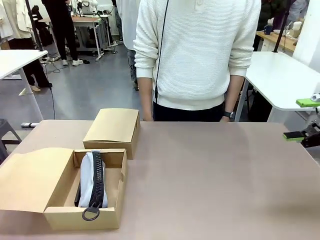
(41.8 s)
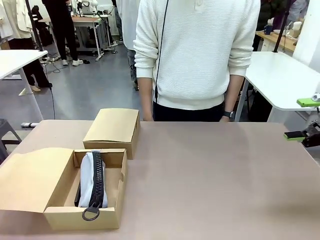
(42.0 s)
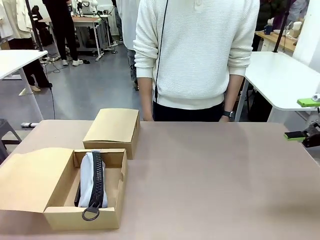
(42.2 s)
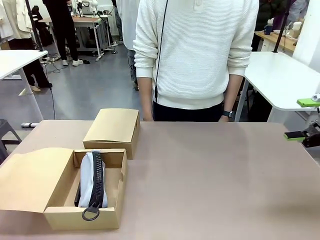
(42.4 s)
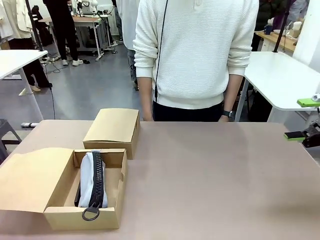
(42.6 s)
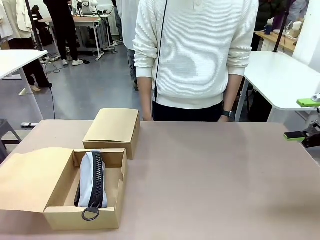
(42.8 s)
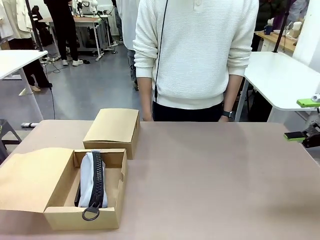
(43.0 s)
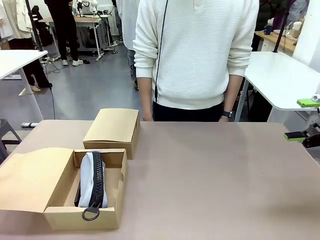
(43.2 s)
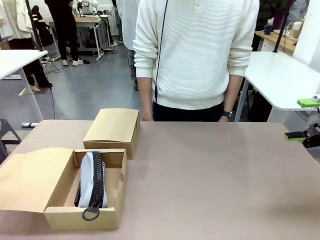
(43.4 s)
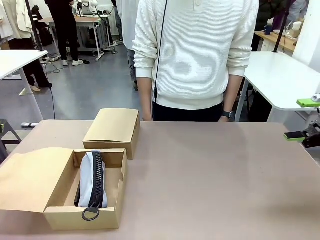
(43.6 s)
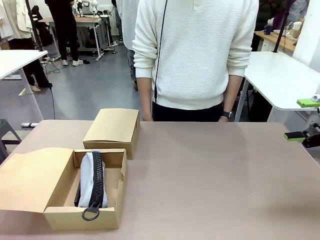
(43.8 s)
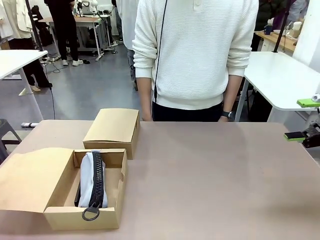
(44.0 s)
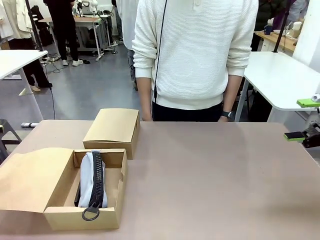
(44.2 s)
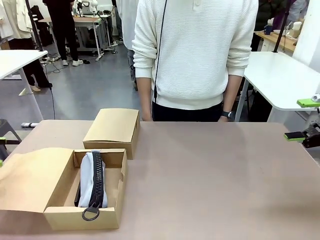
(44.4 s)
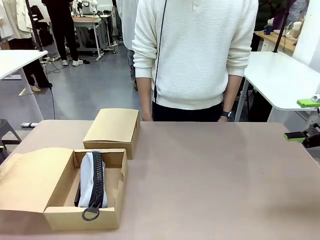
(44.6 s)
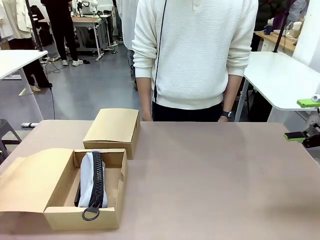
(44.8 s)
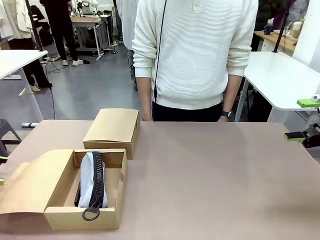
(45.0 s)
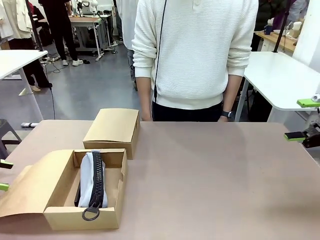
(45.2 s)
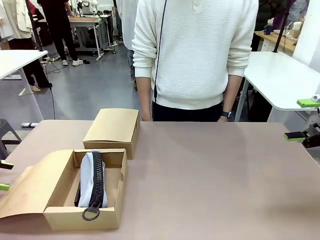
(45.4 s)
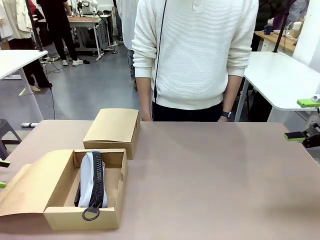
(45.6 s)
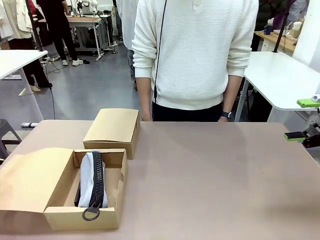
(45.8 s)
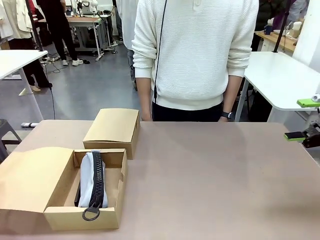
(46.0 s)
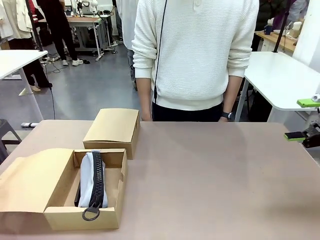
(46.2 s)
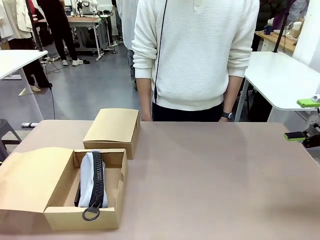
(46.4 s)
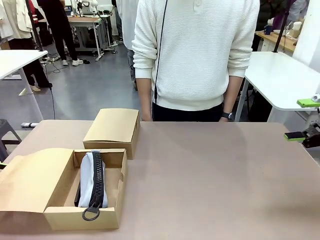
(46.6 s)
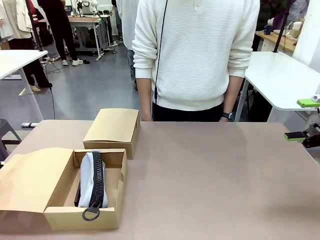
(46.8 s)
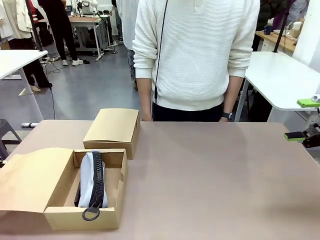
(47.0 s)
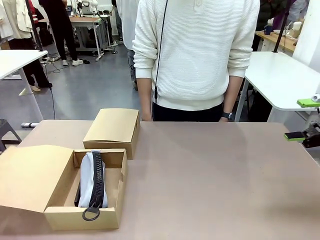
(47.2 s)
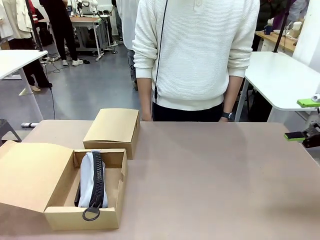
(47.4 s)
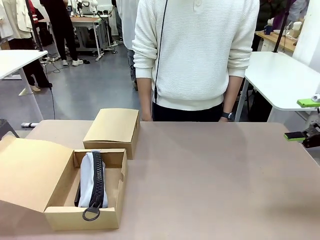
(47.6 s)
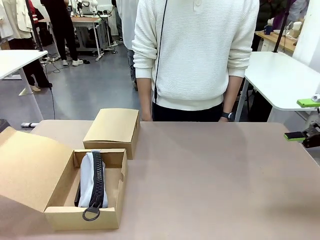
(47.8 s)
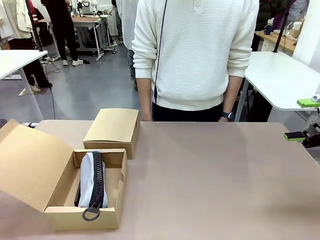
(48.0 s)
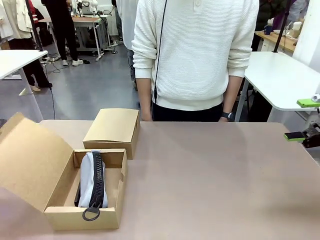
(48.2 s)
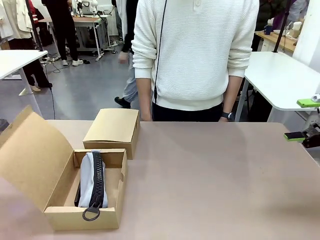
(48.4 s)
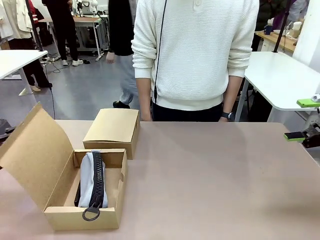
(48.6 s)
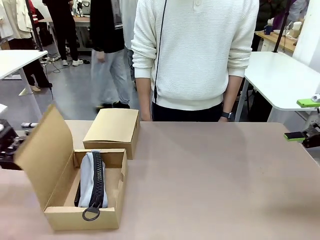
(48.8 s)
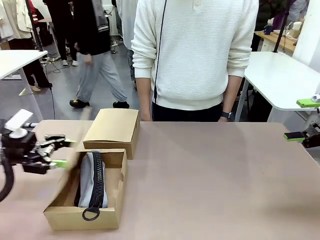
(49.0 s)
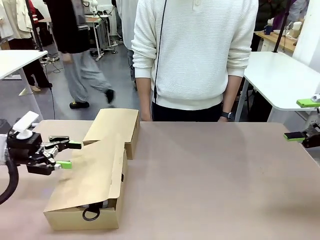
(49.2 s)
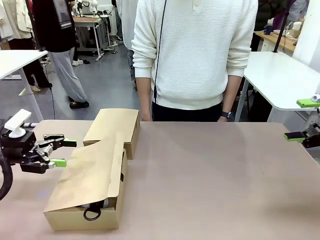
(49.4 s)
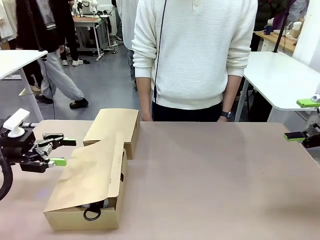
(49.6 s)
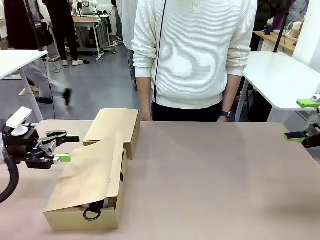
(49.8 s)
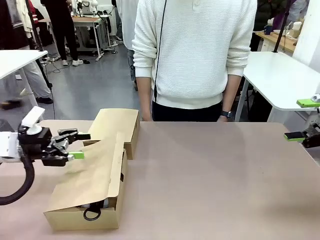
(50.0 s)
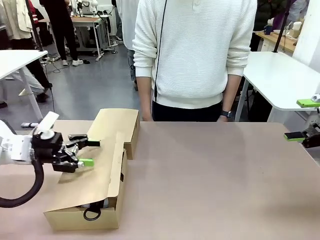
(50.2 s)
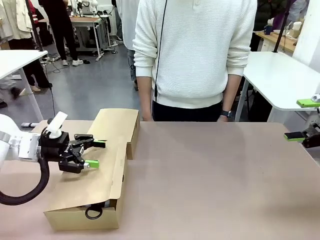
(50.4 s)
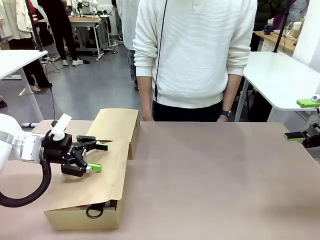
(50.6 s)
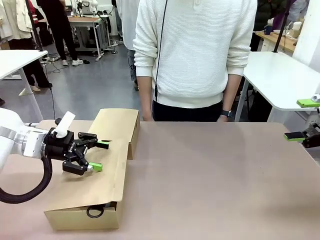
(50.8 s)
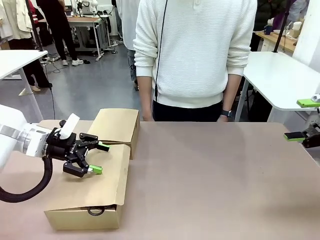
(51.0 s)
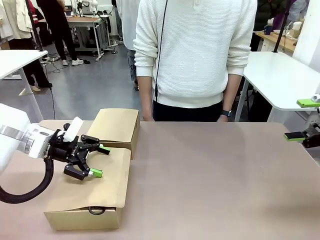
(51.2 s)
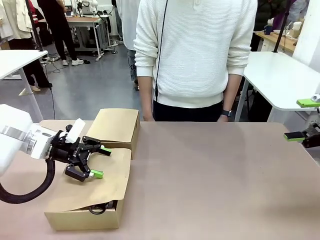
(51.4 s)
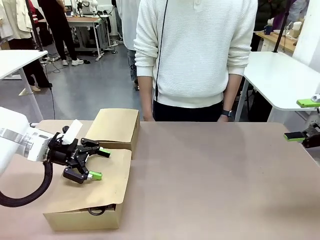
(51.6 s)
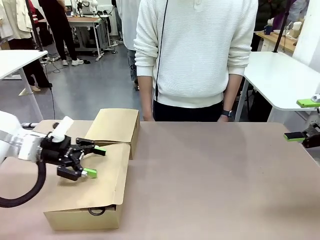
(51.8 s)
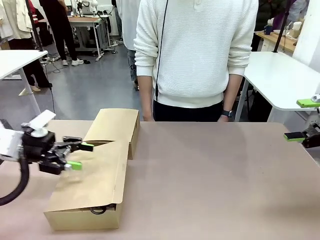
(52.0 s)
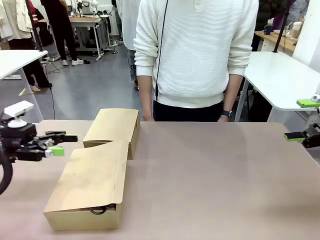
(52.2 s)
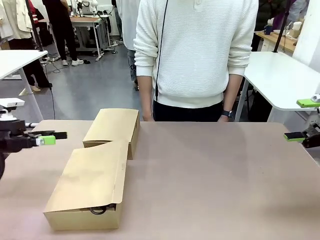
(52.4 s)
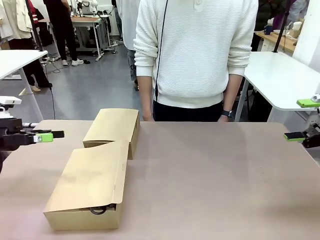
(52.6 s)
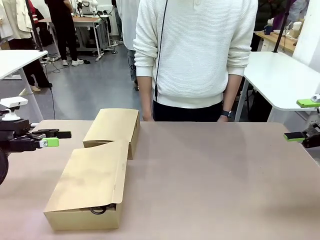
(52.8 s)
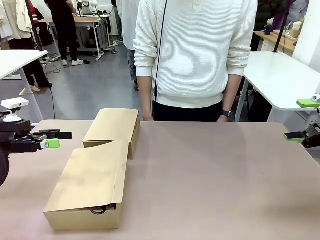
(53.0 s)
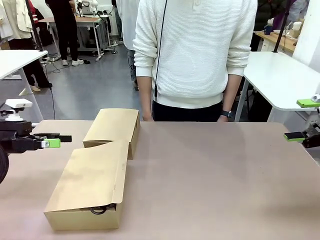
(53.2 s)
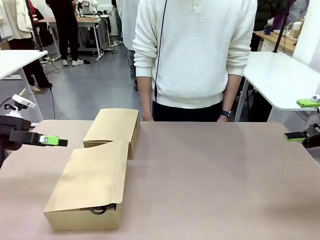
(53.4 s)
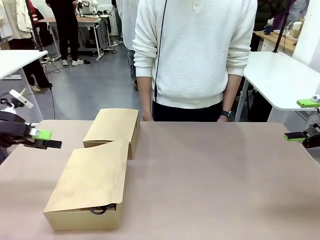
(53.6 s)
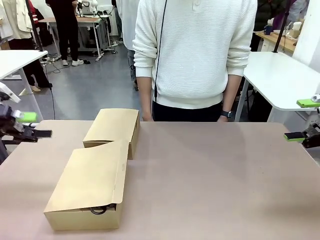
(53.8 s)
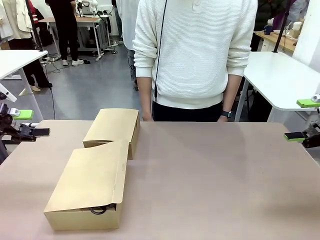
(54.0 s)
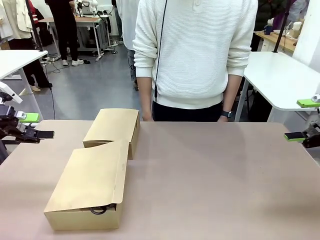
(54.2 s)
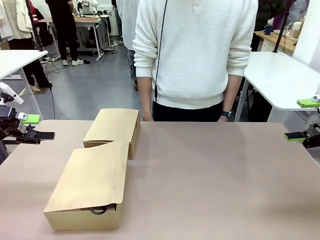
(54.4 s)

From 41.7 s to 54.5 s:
Task: Place items inside the box.
Robot: Close the lid of the Mailer Box closest to the robot.

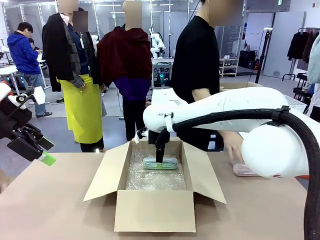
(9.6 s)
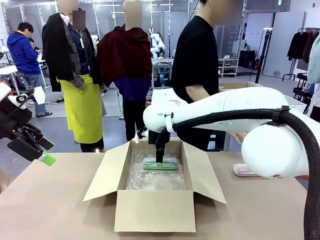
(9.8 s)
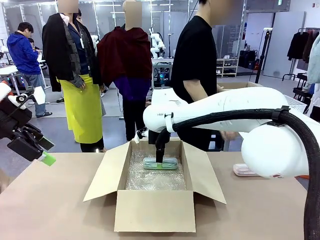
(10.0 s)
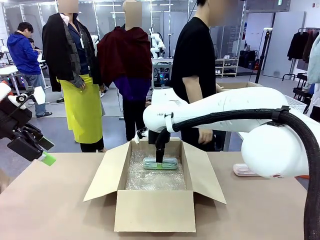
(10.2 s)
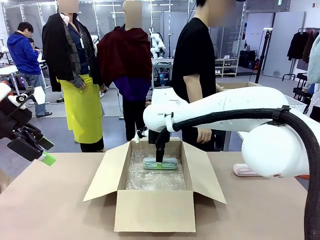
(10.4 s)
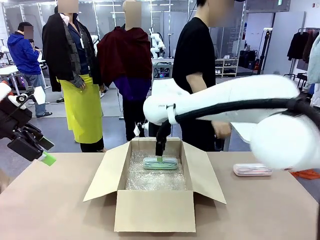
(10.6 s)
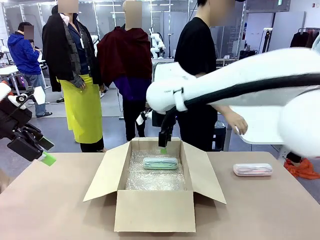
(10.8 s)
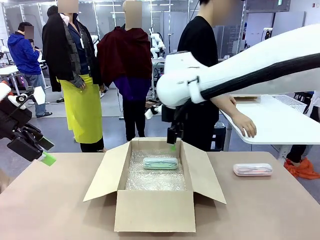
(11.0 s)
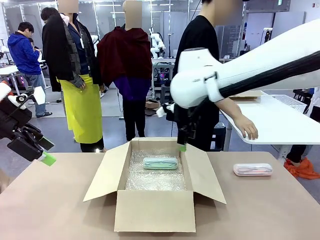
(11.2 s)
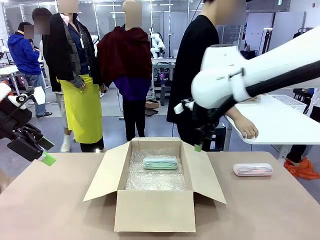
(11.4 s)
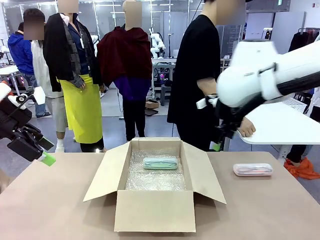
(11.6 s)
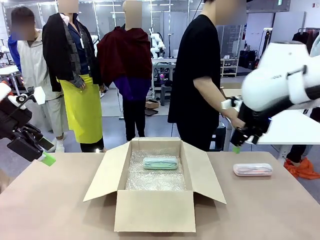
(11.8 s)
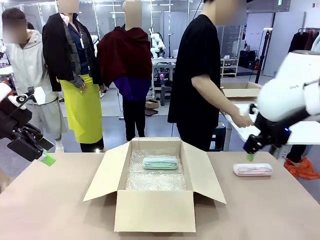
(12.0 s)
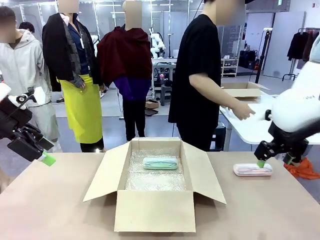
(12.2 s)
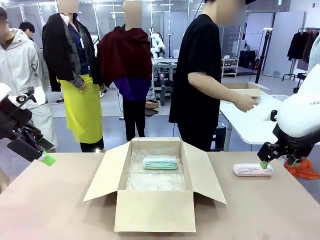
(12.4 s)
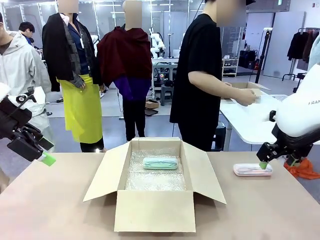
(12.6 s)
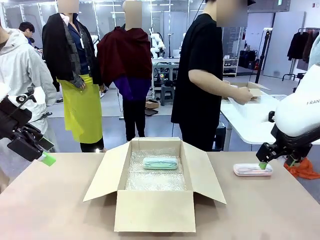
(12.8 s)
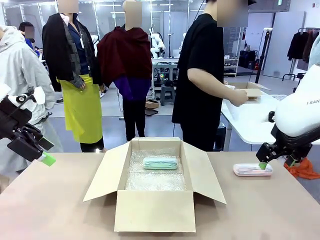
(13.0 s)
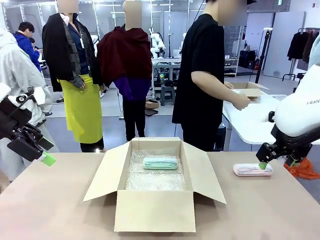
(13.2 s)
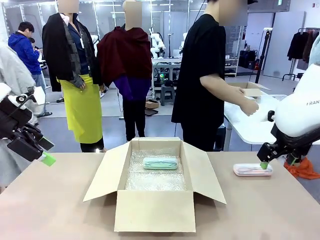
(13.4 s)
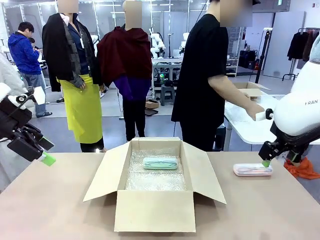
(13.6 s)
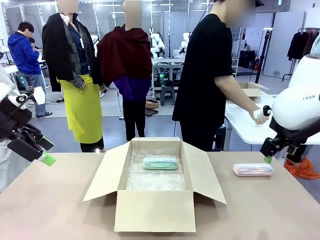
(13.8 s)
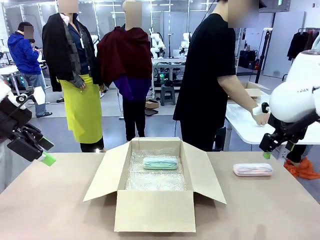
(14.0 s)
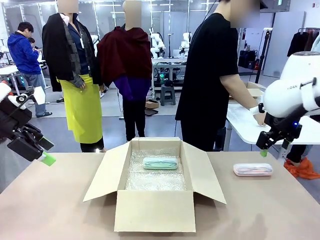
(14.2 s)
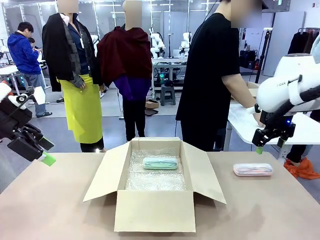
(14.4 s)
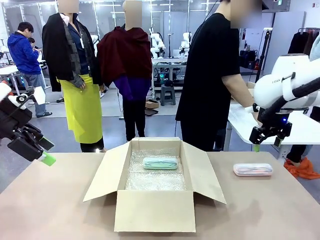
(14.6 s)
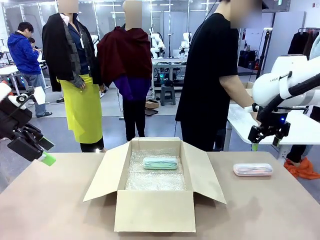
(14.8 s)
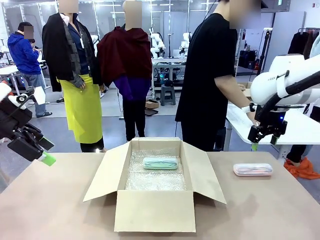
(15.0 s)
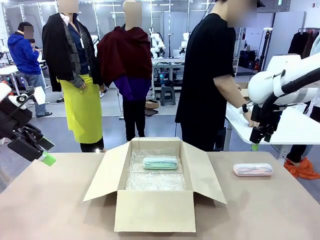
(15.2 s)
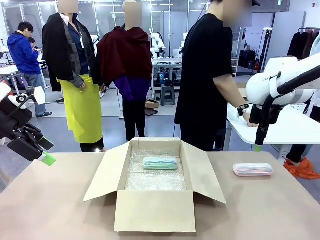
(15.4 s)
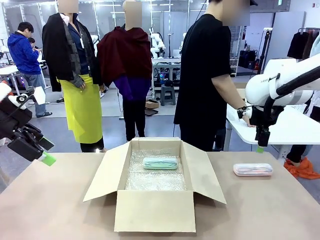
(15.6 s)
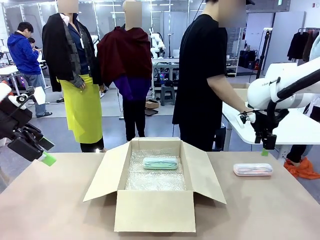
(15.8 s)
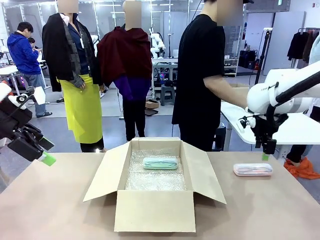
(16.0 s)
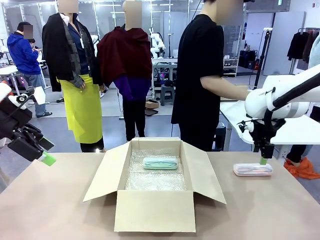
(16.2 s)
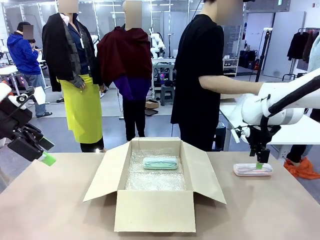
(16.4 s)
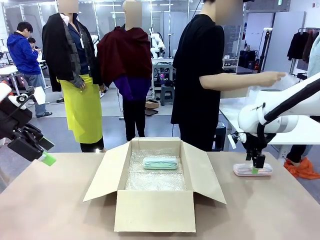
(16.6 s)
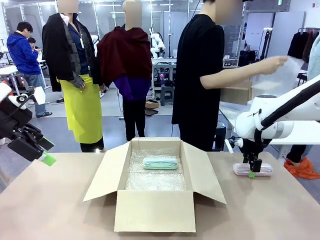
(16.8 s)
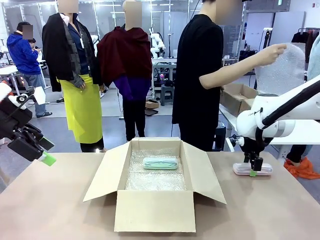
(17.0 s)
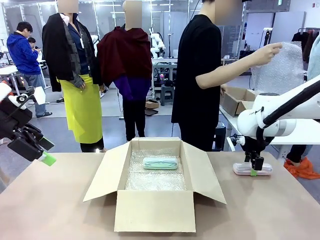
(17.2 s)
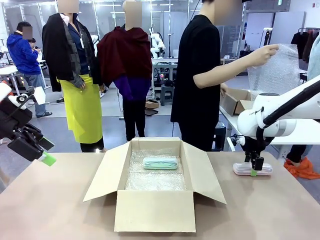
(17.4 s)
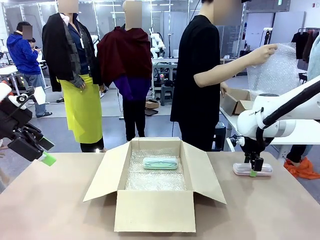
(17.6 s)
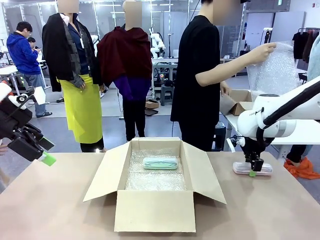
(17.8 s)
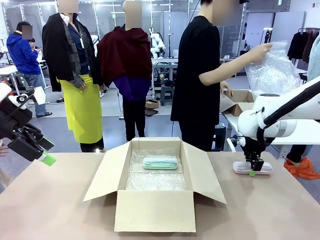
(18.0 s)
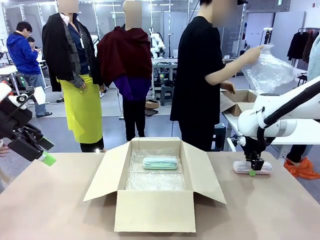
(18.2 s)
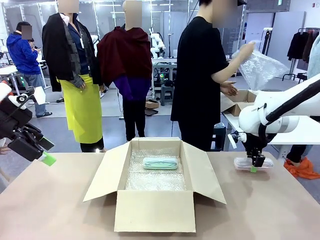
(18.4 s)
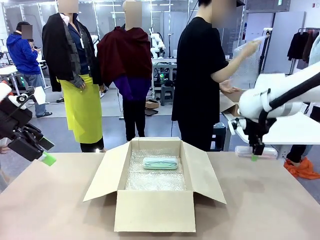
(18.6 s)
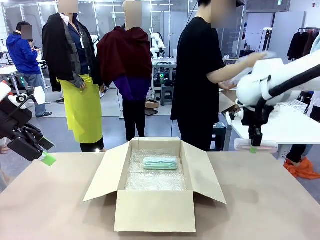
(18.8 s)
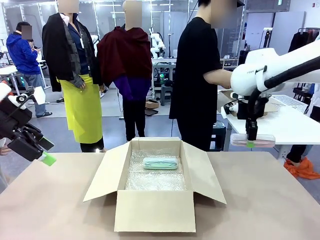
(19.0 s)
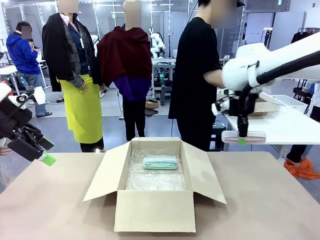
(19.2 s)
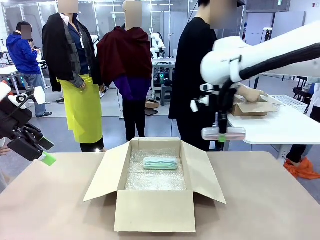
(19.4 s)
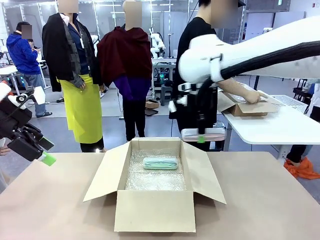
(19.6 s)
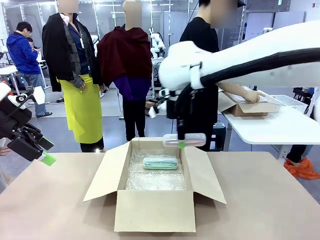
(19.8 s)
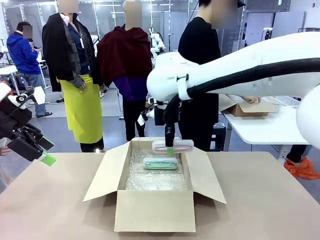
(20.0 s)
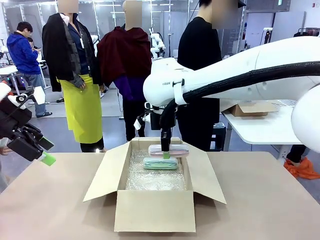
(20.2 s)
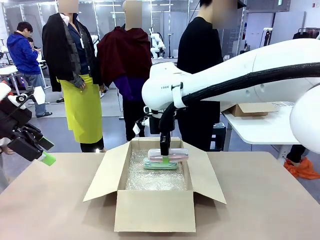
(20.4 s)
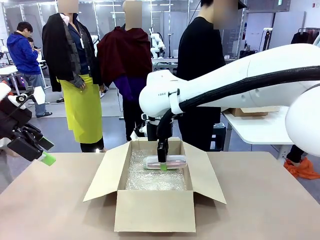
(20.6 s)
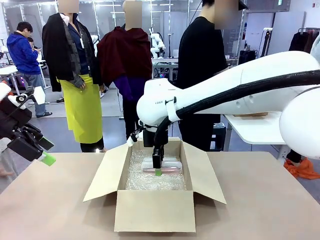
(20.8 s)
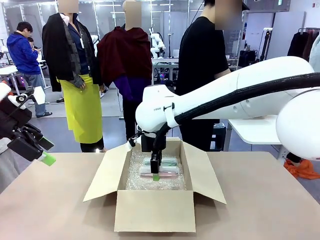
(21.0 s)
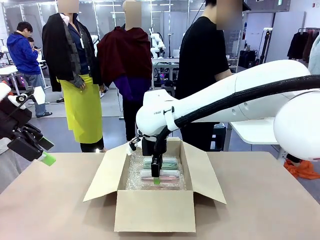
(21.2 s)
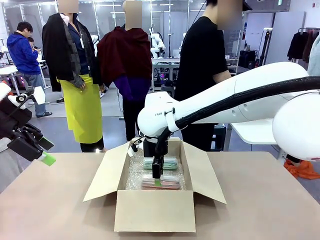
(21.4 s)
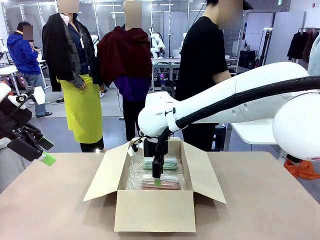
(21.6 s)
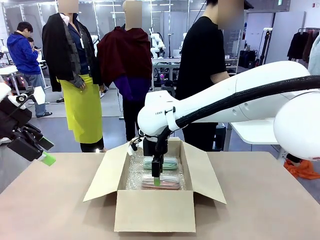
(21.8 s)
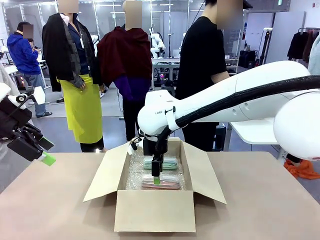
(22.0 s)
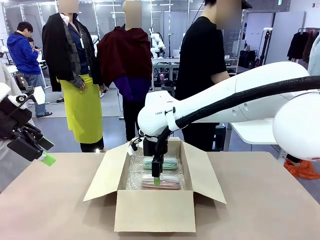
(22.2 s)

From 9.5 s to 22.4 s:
Task: Pack the glasses set securely to prepare it for shipping.
Robot: Put the Glasses case from the right side of the table into the Package Box.
